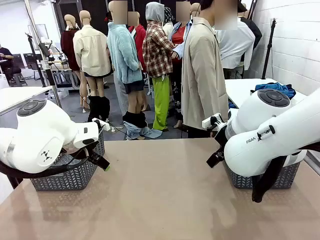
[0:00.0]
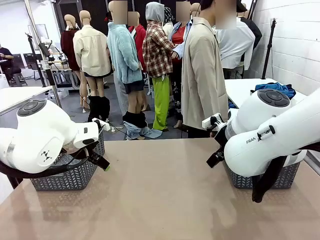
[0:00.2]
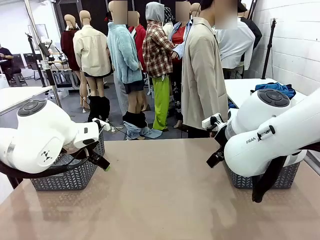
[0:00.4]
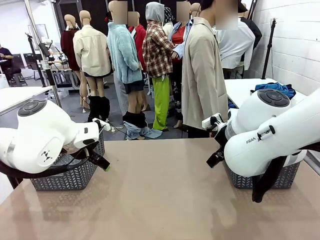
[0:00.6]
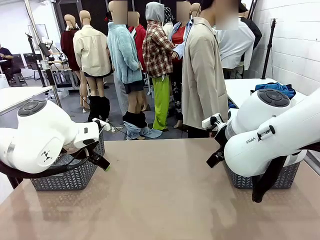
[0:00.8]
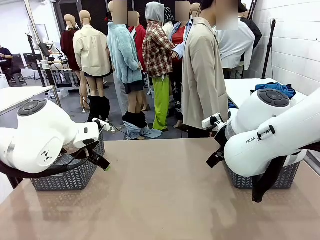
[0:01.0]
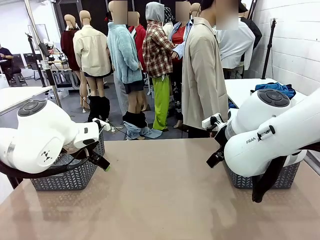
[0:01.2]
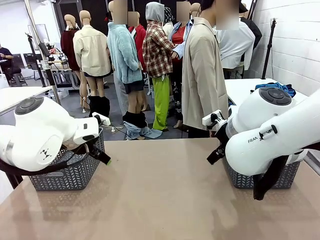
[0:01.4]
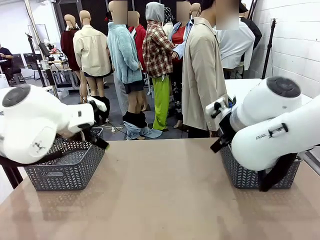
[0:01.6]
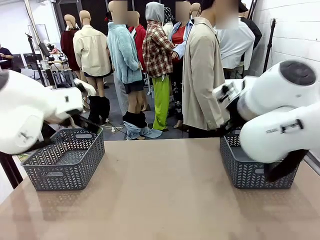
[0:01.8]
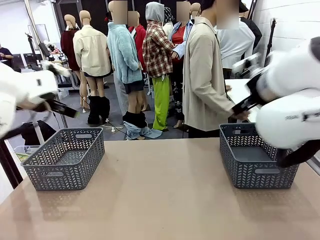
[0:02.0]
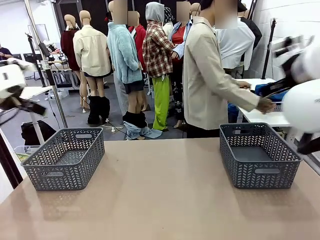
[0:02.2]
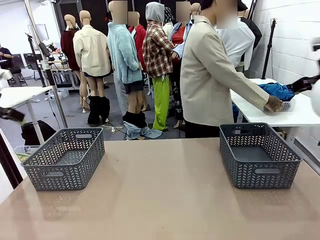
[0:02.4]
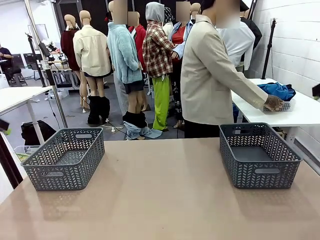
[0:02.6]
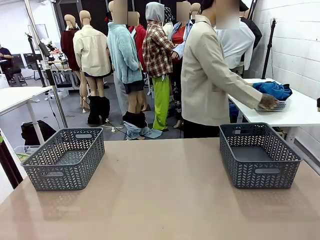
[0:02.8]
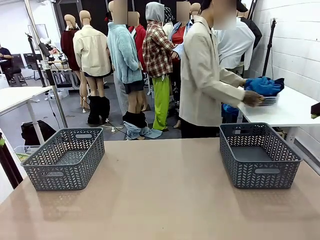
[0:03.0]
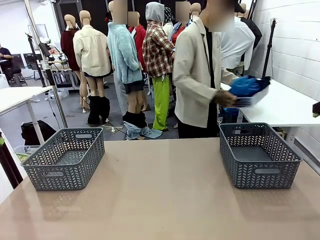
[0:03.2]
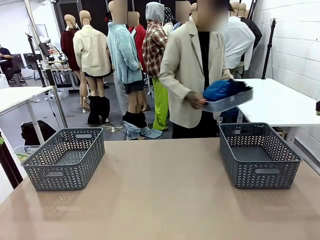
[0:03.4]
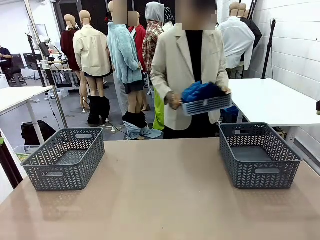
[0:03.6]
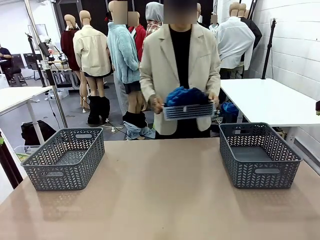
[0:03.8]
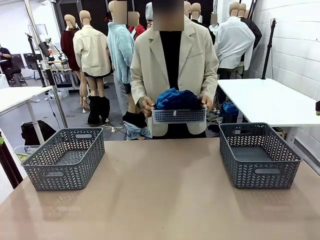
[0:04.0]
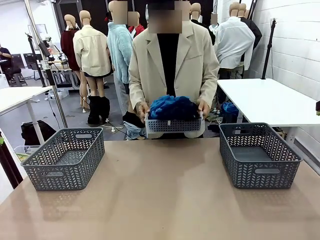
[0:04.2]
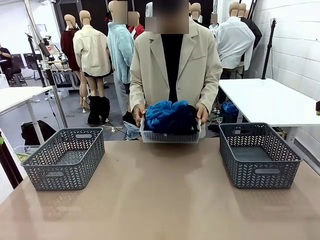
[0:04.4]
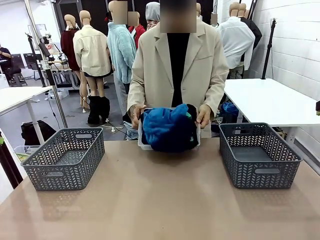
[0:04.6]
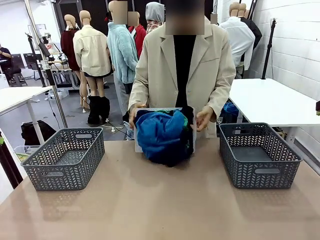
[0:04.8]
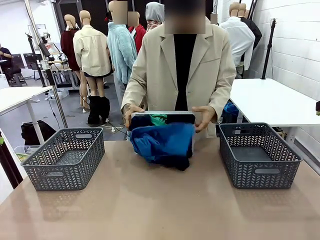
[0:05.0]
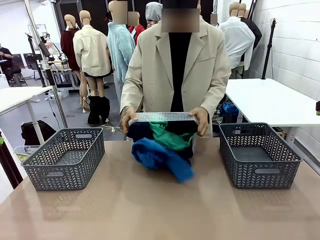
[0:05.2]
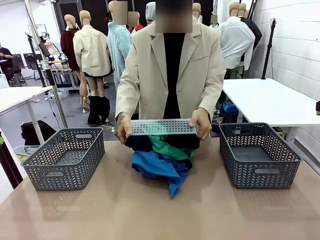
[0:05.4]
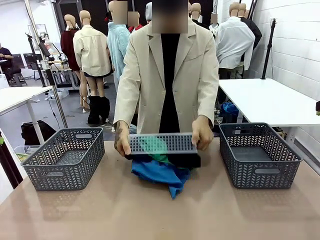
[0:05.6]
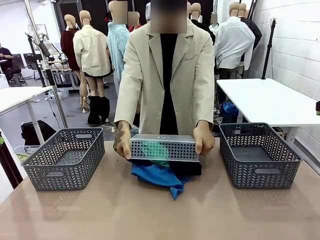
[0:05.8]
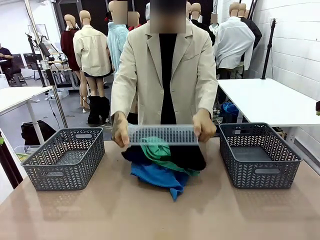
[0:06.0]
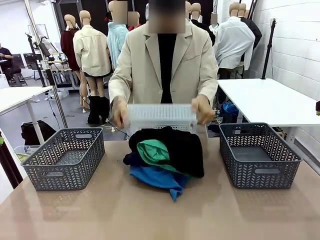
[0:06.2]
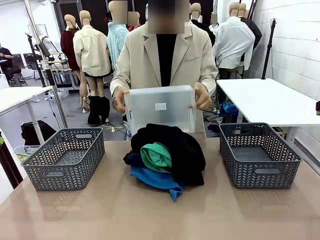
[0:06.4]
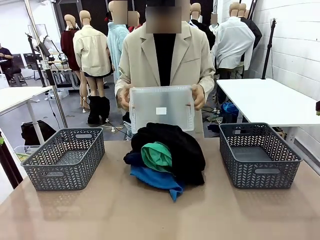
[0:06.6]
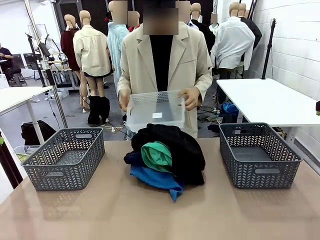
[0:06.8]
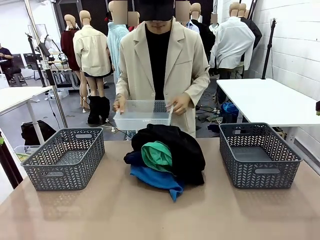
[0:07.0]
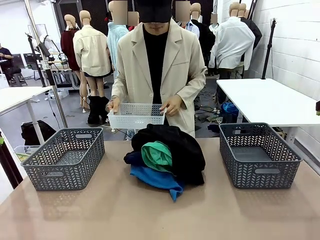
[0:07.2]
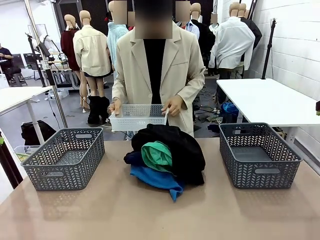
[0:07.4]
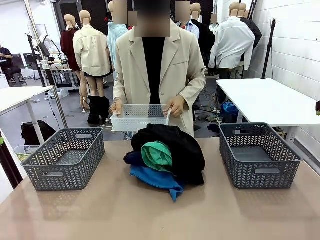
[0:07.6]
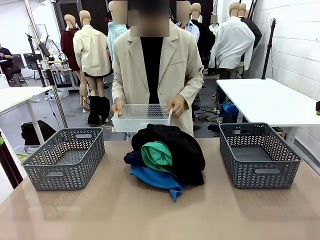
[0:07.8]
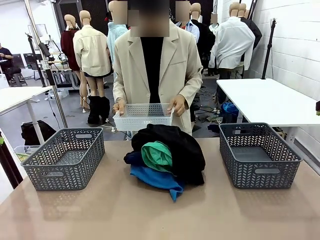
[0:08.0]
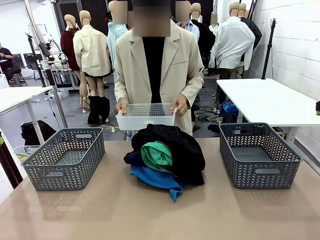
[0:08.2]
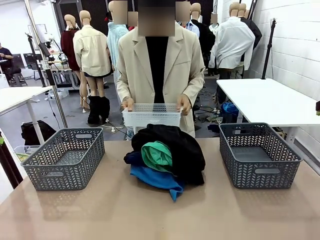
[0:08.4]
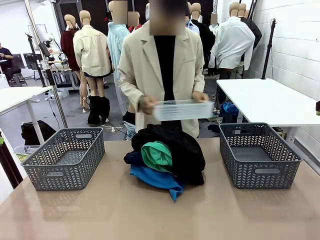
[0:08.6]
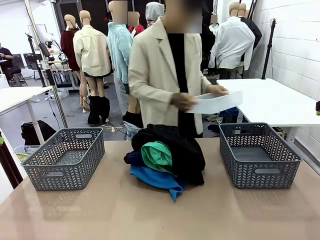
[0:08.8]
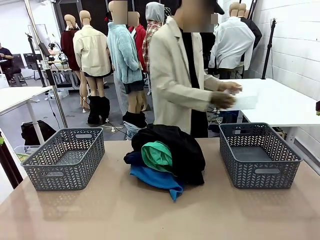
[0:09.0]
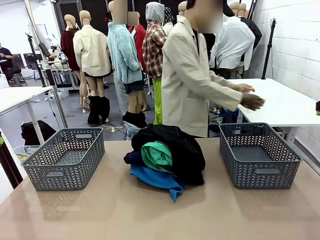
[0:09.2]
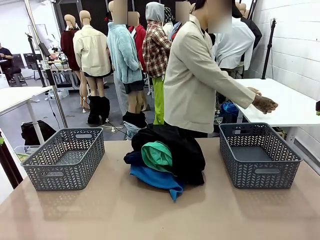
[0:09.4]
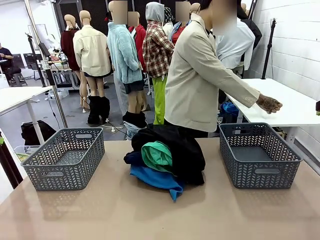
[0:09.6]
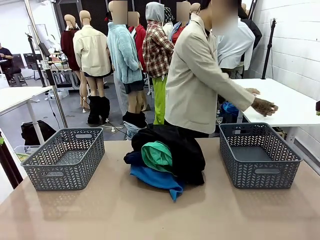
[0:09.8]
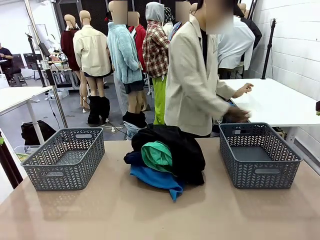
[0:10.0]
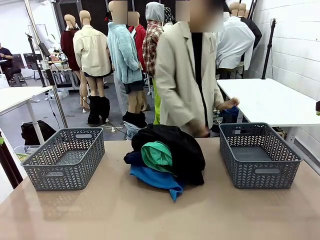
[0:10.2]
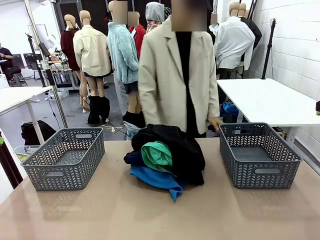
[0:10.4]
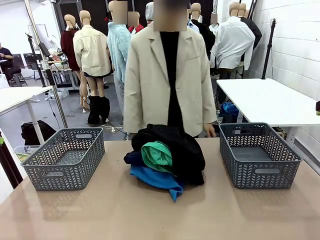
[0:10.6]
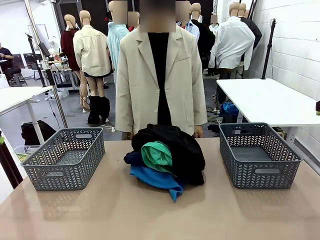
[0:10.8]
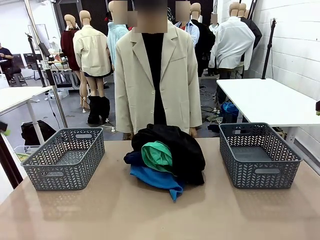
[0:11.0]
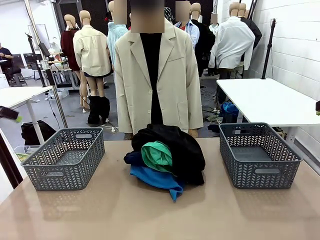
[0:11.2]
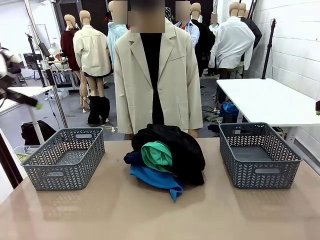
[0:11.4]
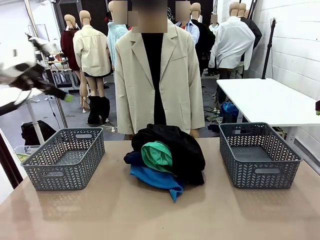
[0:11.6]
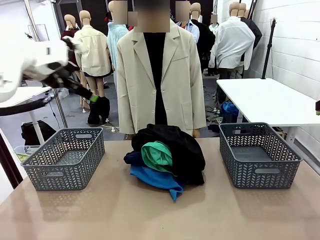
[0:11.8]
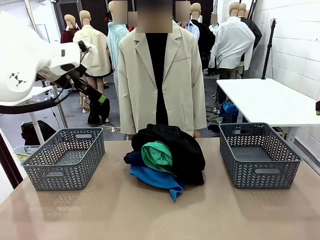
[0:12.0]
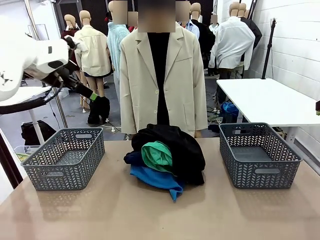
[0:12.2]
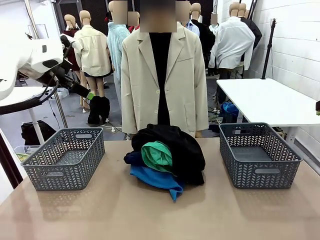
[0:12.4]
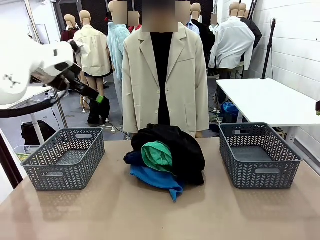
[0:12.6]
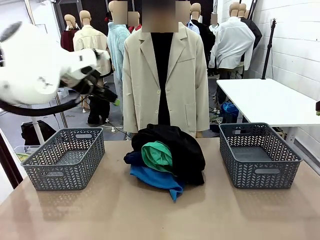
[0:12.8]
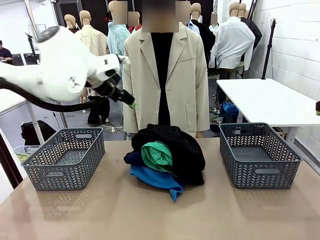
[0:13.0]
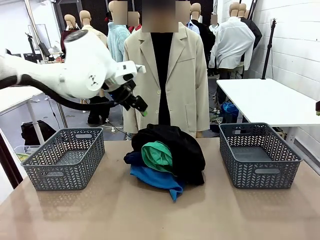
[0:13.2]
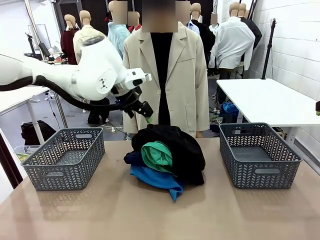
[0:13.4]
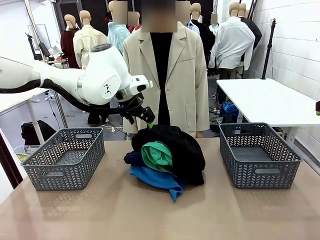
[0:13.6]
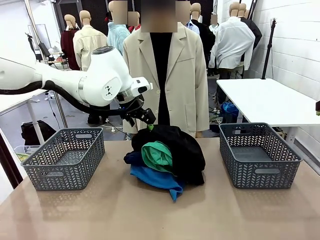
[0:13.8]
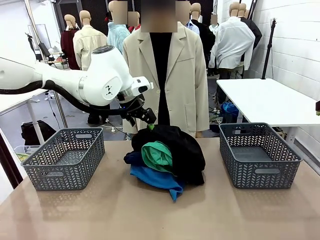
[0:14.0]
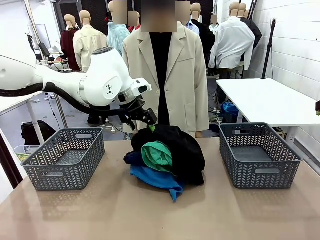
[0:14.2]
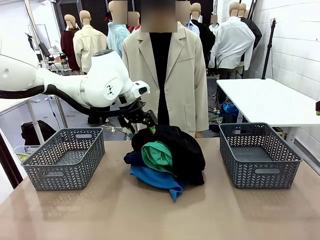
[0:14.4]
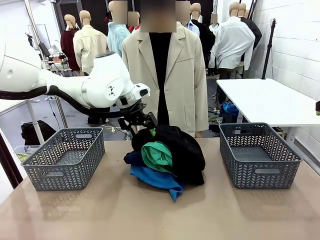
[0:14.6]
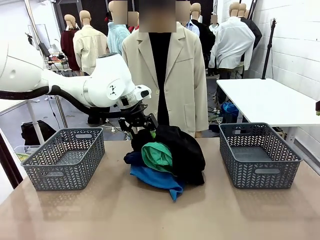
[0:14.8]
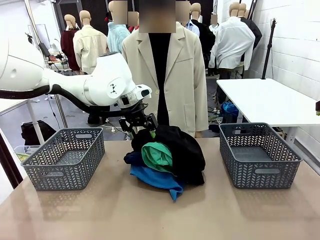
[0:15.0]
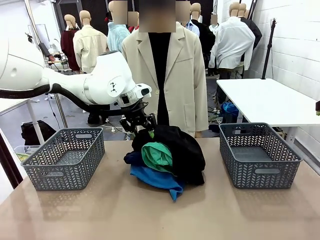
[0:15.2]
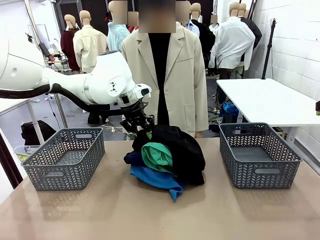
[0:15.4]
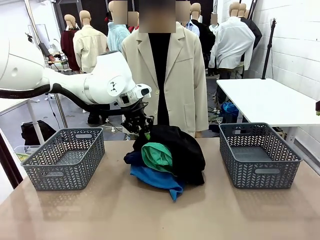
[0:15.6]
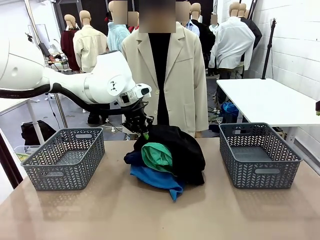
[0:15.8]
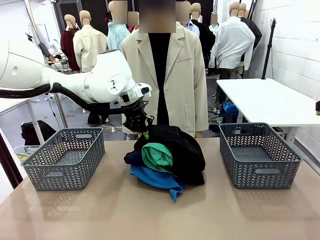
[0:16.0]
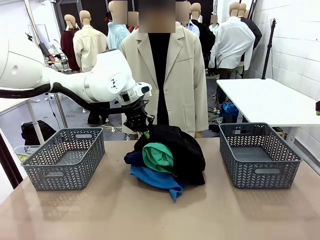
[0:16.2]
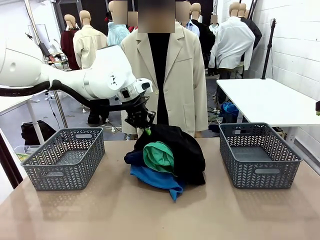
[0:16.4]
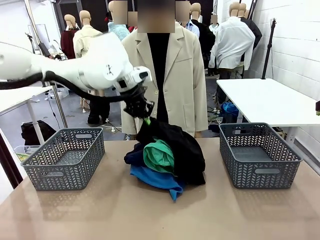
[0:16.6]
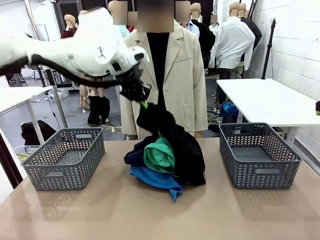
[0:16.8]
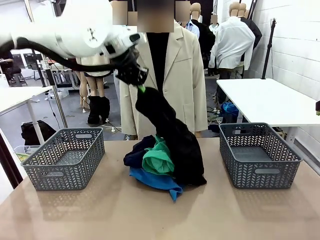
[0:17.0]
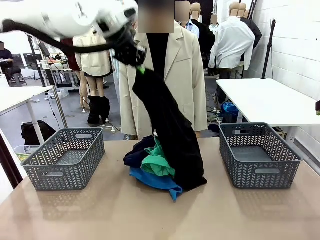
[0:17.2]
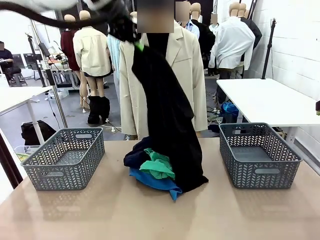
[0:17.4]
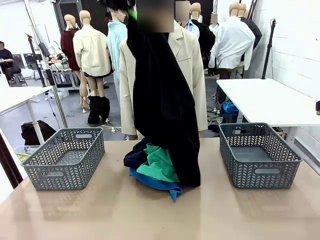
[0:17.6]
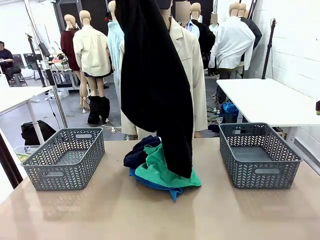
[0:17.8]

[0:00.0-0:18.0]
Task: Sort the tops and bottoms.
Robot: Lift clothes from the center of the table with your left hand.
Person: Pour the clothes from the basket onto the center of the robot table.
